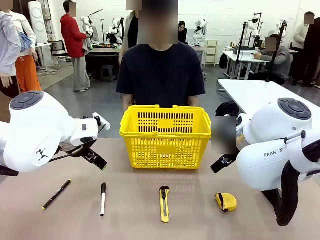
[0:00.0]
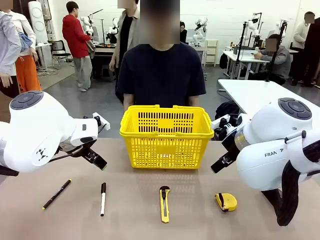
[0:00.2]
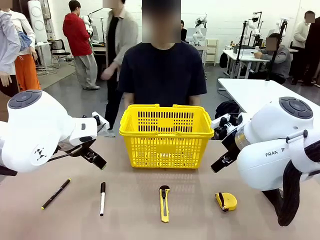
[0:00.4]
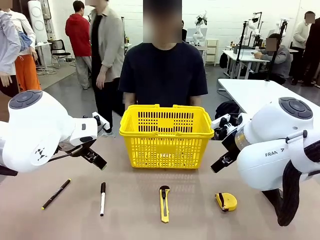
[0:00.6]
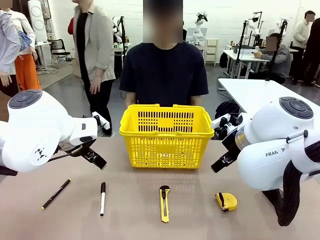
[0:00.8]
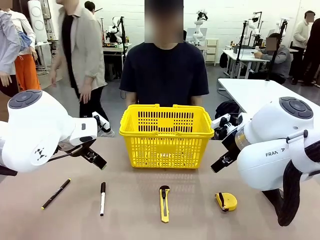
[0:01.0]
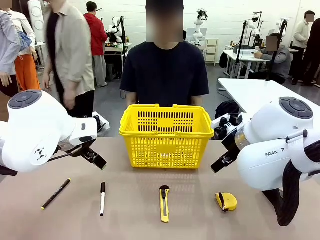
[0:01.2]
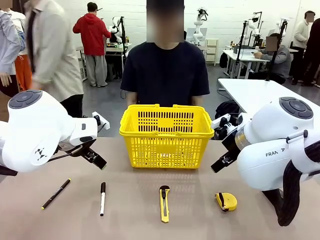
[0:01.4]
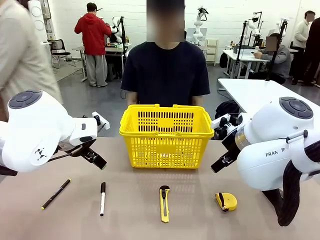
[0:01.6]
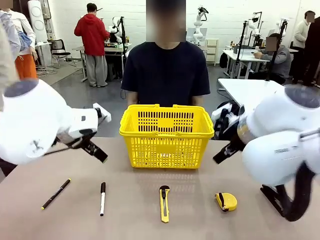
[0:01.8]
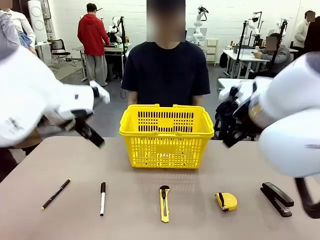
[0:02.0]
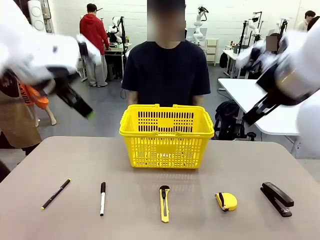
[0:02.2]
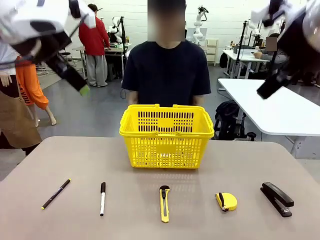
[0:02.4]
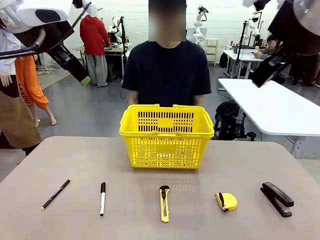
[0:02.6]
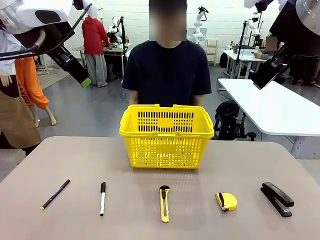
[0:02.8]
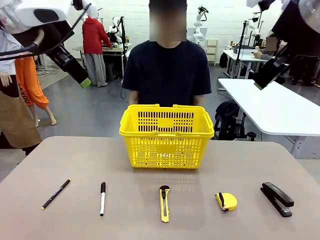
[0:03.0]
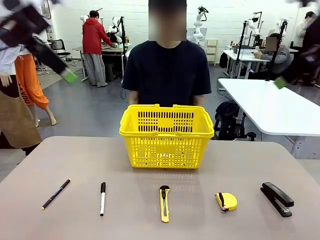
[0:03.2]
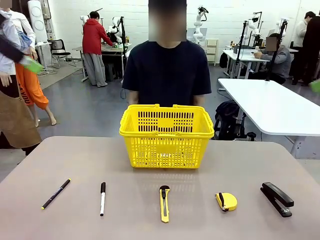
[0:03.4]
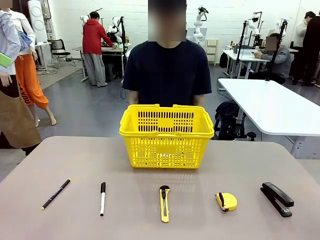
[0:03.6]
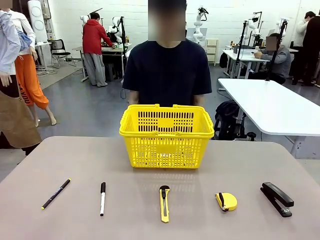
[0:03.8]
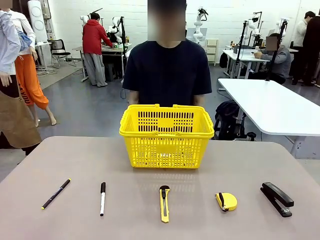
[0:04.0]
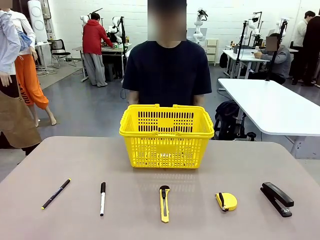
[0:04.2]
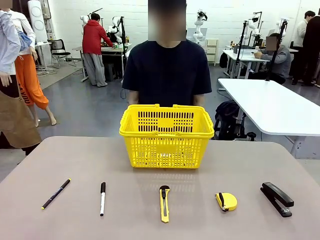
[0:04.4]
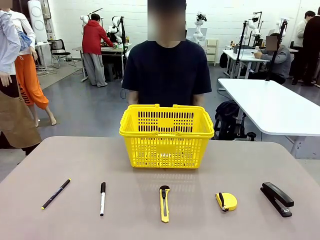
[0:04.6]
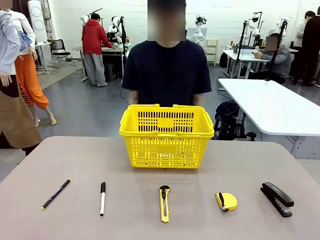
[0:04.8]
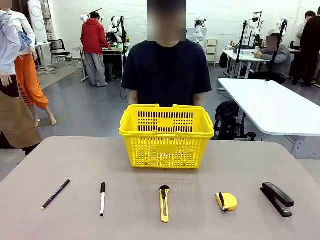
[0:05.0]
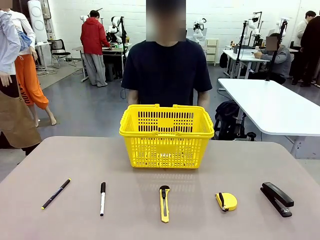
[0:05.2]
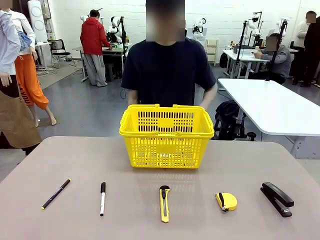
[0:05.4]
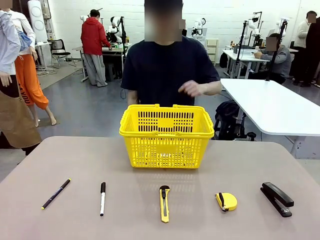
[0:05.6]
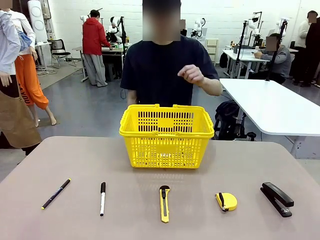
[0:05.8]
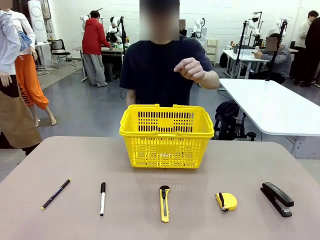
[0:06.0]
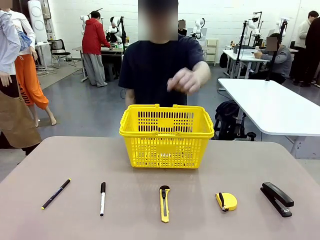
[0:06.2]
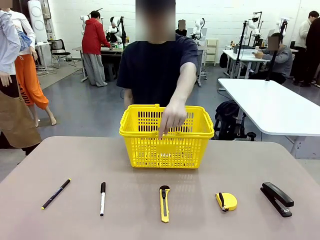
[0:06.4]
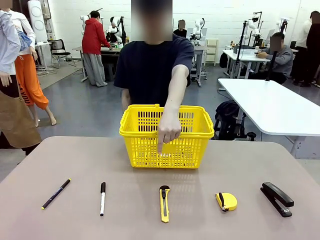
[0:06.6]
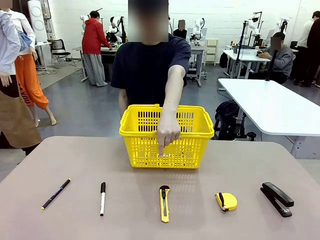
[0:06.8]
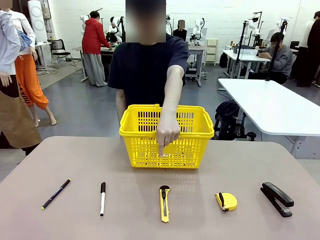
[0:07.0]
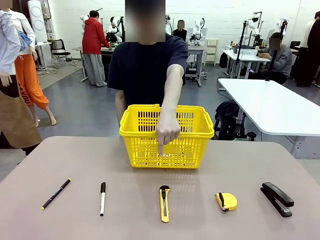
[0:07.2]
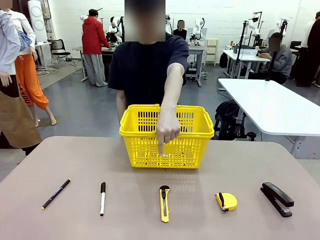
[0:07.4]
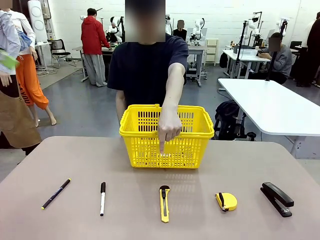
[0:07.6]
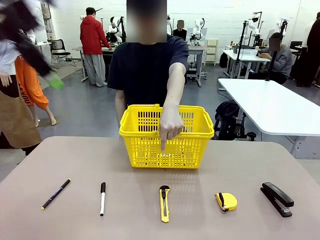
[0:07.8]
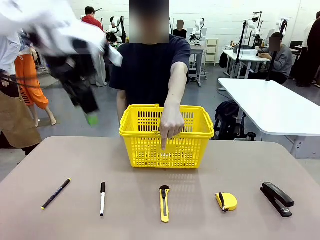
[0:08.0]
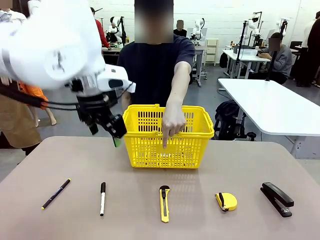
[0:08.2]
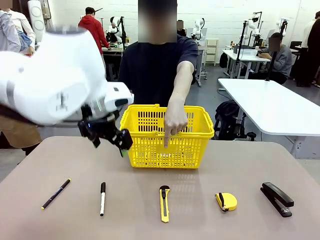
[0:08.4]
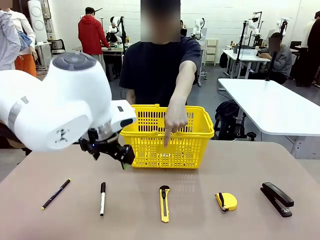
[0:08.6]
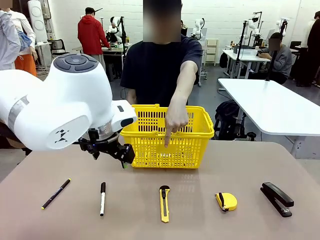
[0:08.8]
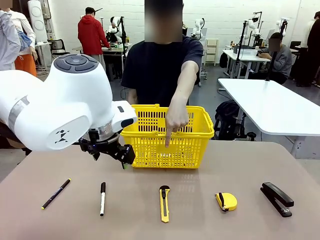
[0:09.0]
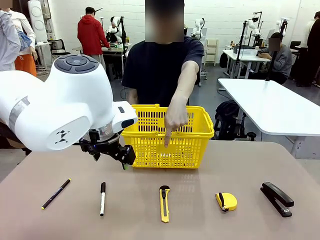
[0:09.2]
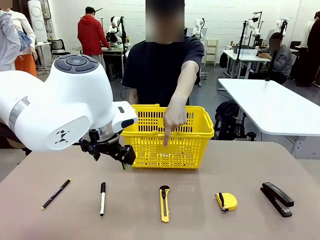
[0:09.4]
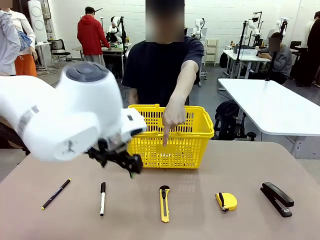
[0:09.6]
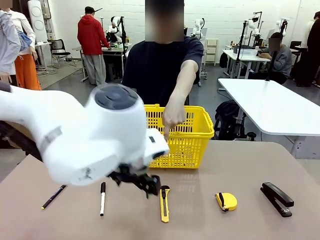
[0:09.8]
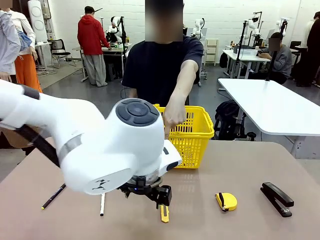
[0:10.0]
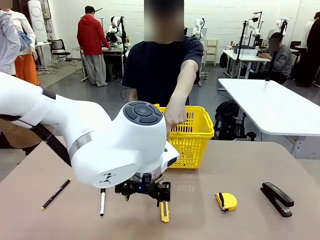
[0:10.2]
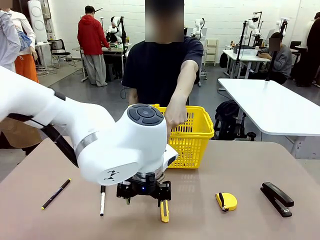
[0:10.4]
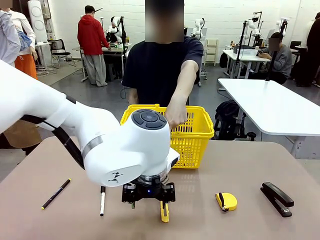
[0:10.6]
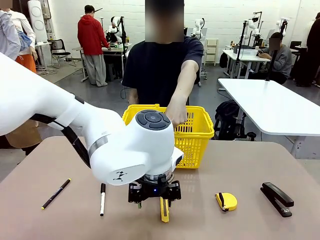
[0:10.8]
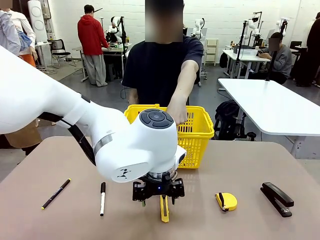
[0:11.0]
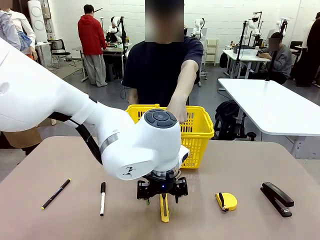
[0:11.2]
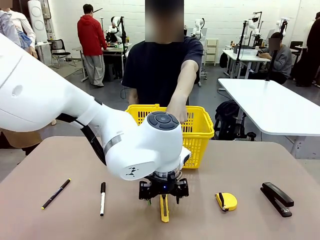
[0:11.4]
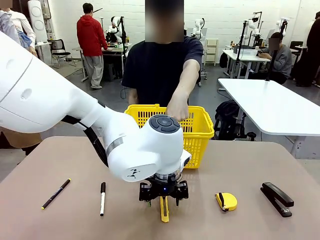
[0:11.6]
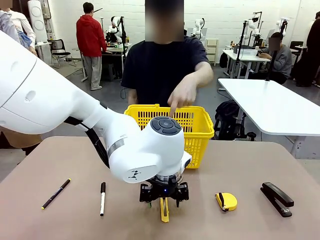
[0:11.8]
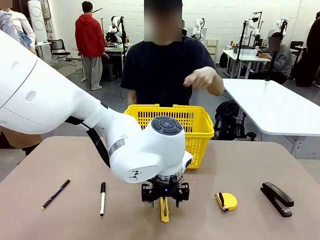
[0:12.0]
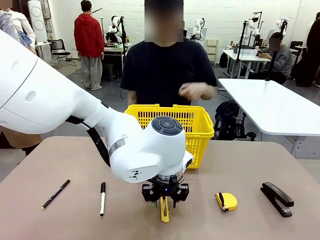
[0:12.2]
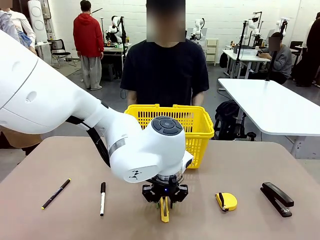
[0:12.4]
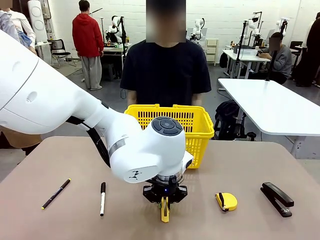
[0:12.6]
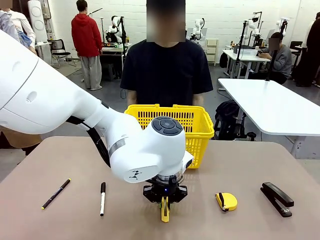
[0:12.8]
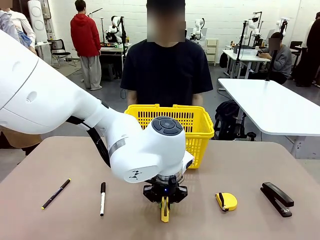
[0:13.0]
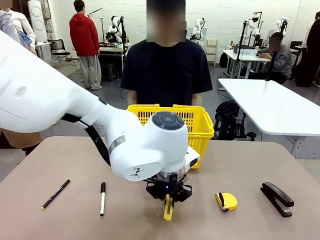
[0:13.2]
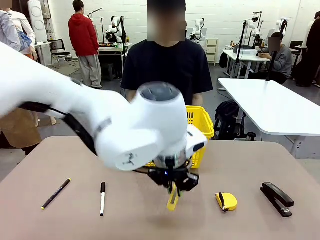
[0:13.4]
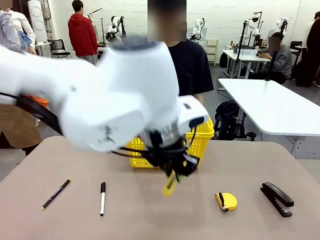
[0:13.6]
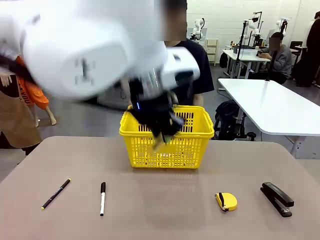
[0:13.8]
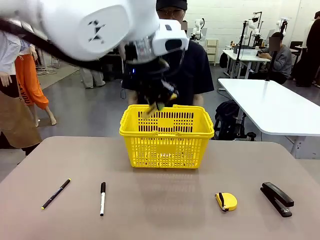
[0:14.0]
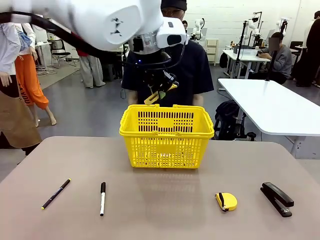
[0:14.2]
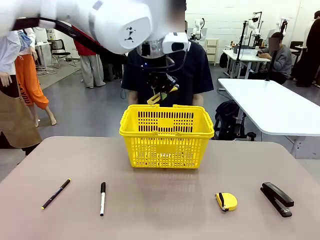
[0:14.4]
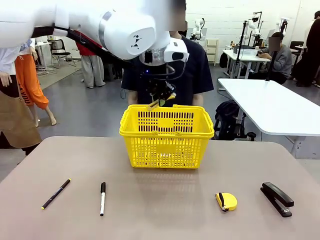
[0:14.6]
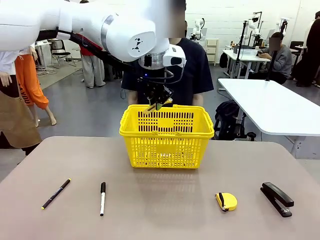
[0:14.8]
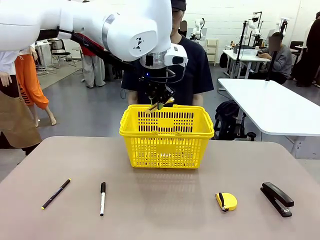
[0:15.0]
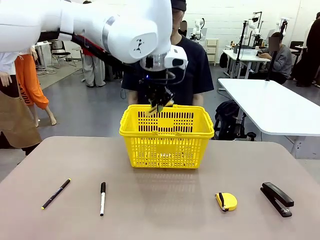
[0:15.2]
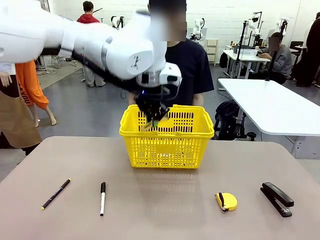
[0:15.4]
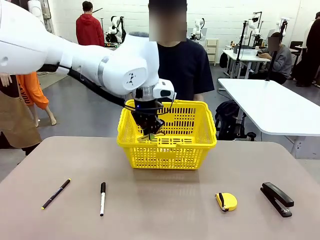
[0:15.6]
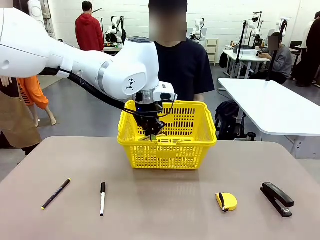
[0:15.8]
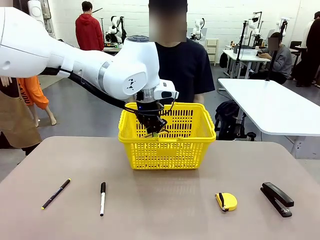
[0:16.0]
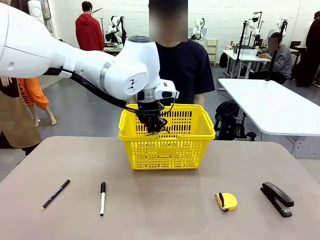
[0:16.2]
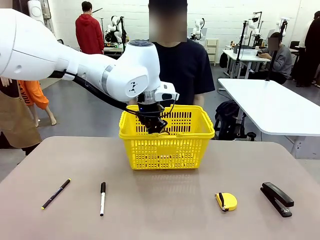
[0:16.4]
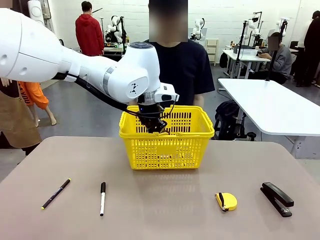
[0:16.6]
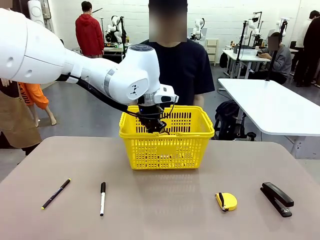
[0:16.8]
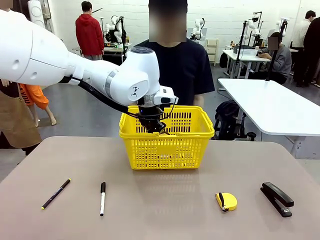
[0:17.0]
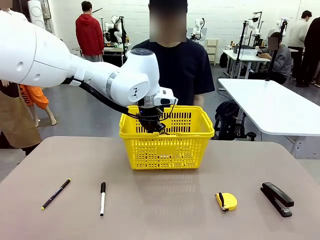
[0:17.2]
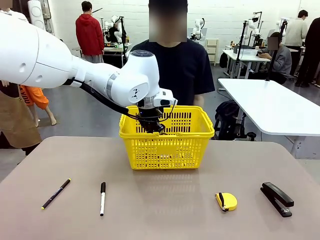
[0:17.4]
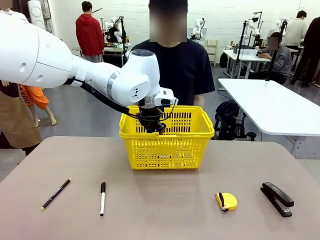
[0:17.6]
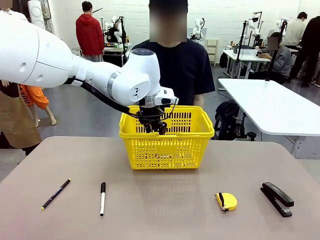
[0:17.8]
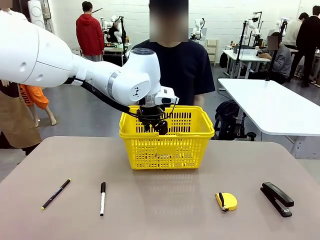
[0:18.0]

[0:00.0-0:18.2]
Task: Place the items the person wants into the basket.
Robot: Pick up the item the person points to and place it in the Market Basket.
